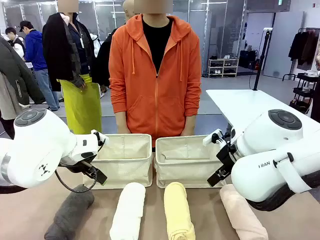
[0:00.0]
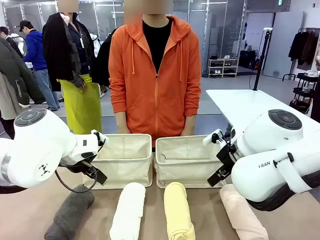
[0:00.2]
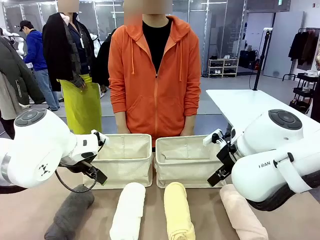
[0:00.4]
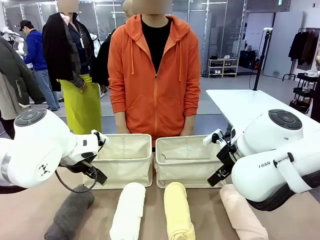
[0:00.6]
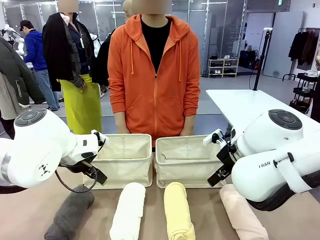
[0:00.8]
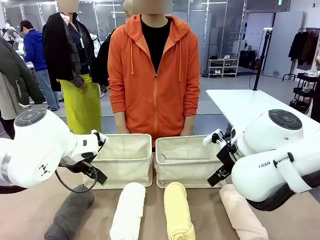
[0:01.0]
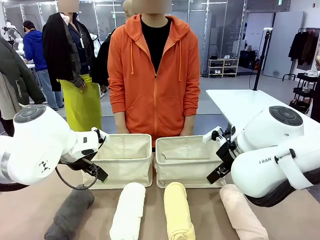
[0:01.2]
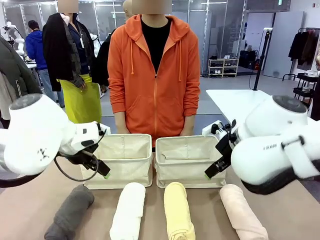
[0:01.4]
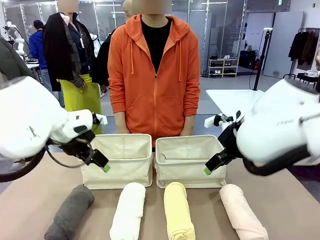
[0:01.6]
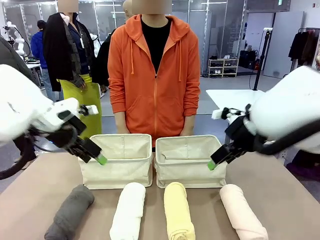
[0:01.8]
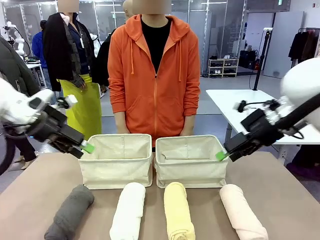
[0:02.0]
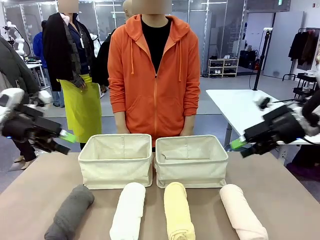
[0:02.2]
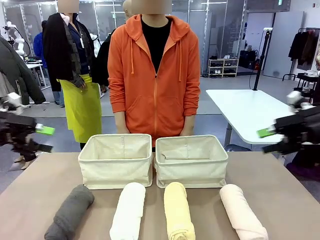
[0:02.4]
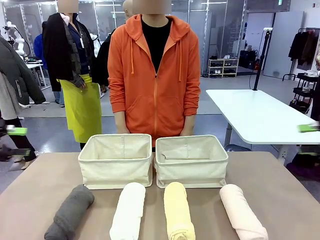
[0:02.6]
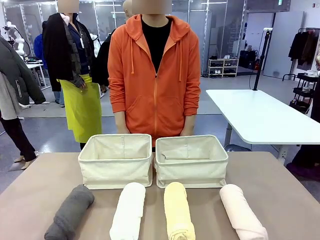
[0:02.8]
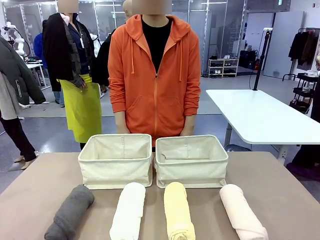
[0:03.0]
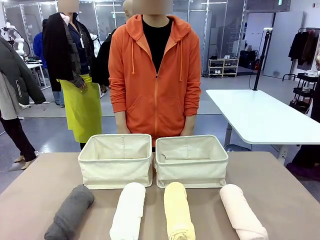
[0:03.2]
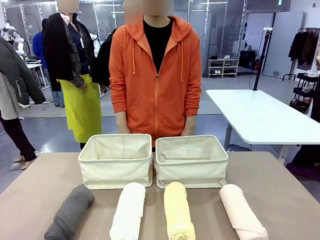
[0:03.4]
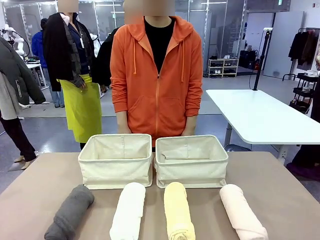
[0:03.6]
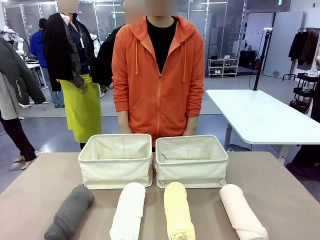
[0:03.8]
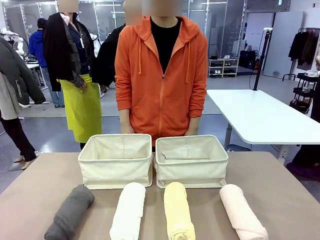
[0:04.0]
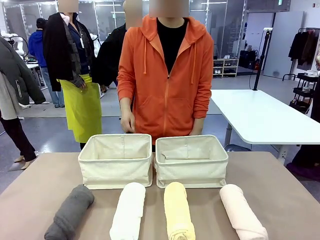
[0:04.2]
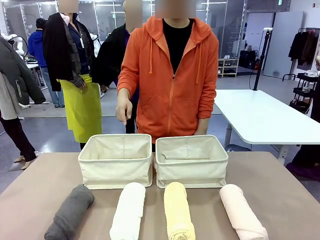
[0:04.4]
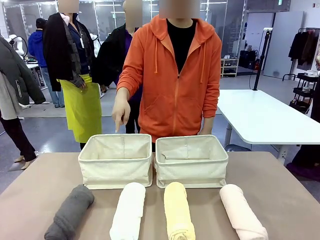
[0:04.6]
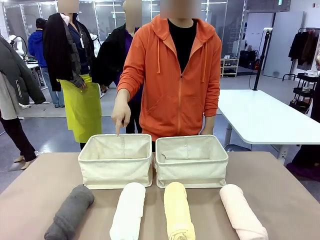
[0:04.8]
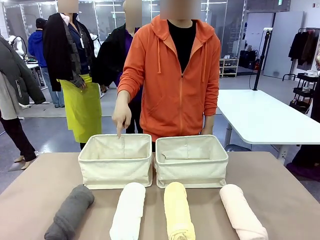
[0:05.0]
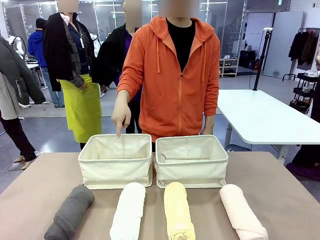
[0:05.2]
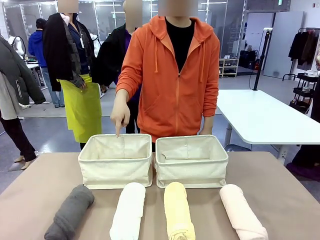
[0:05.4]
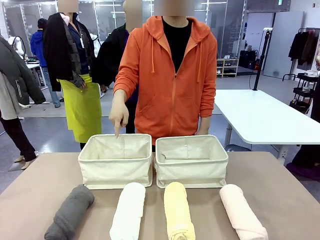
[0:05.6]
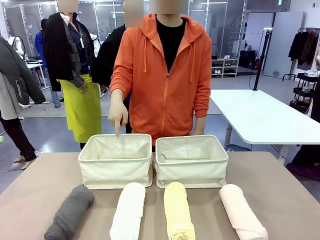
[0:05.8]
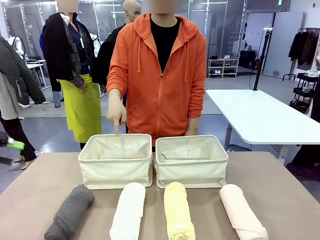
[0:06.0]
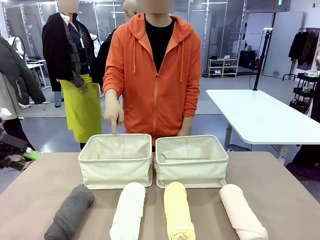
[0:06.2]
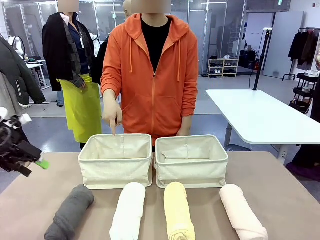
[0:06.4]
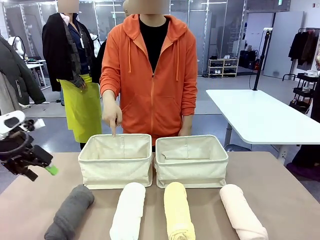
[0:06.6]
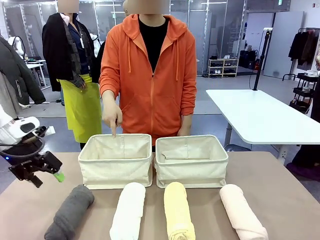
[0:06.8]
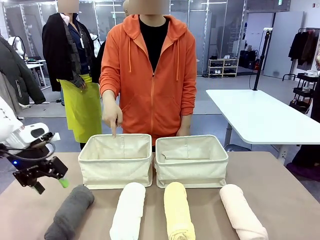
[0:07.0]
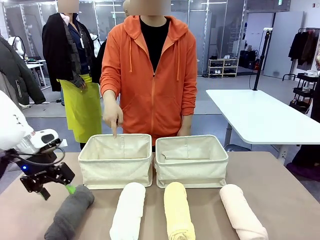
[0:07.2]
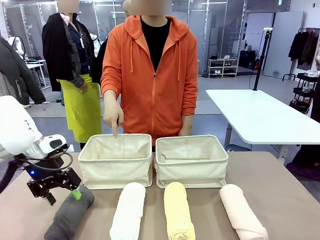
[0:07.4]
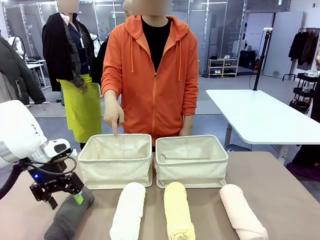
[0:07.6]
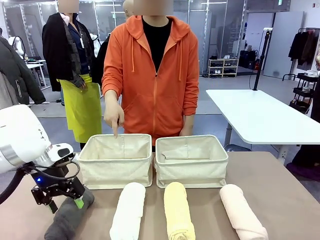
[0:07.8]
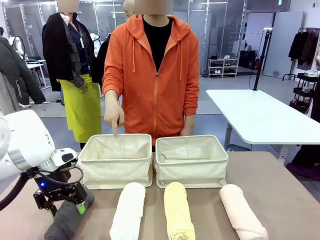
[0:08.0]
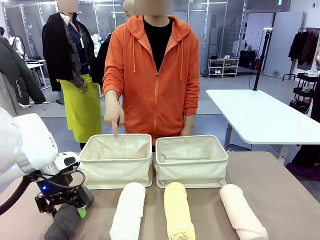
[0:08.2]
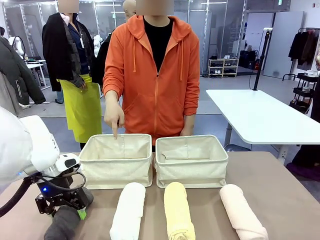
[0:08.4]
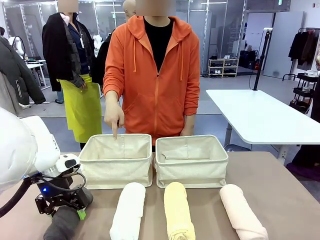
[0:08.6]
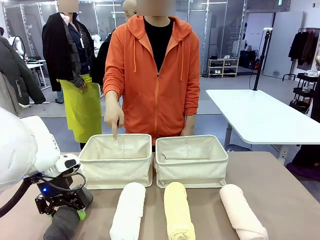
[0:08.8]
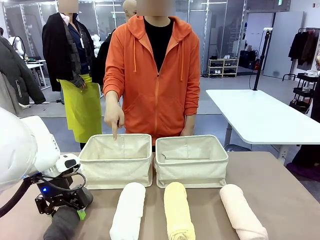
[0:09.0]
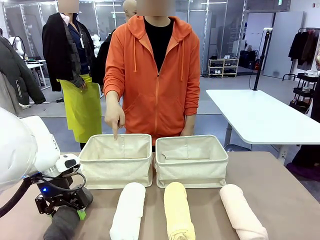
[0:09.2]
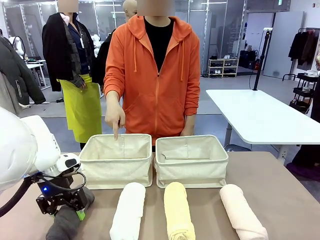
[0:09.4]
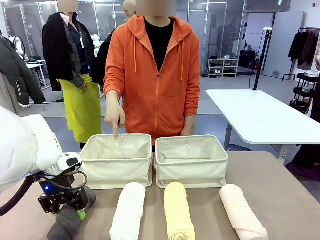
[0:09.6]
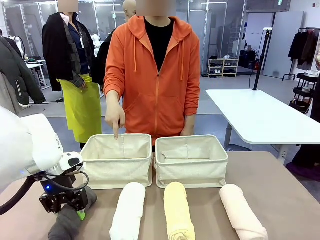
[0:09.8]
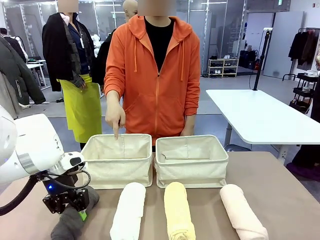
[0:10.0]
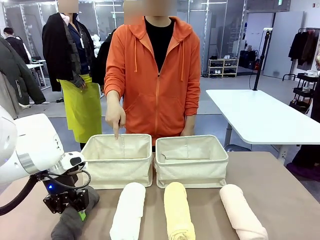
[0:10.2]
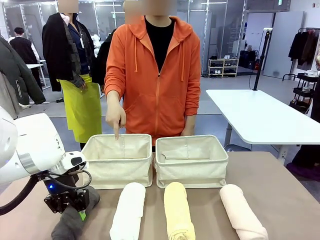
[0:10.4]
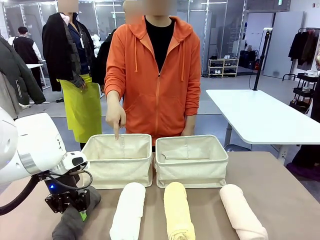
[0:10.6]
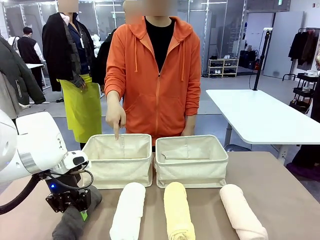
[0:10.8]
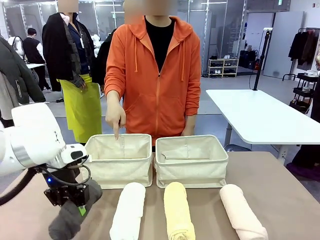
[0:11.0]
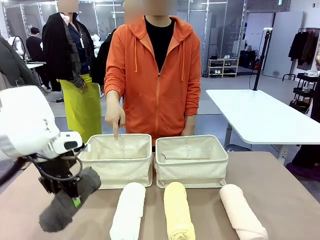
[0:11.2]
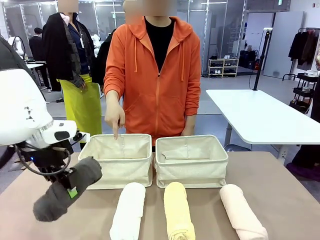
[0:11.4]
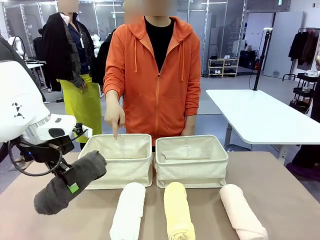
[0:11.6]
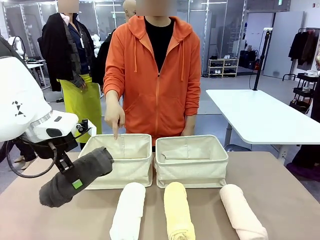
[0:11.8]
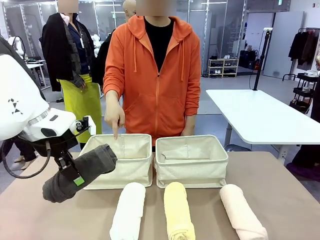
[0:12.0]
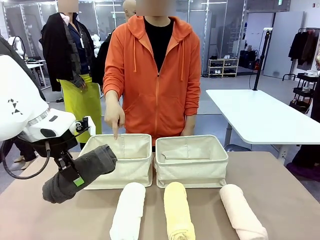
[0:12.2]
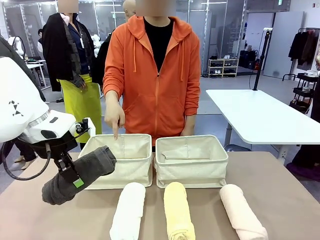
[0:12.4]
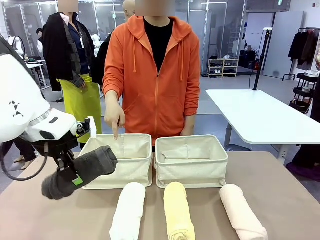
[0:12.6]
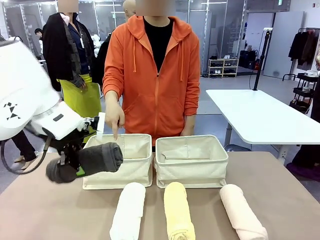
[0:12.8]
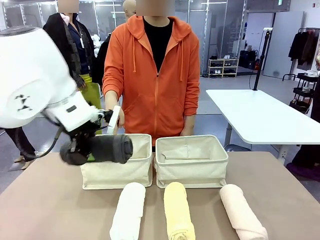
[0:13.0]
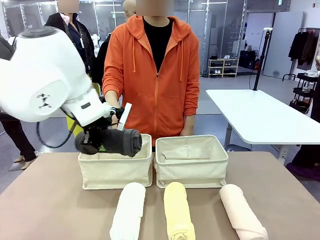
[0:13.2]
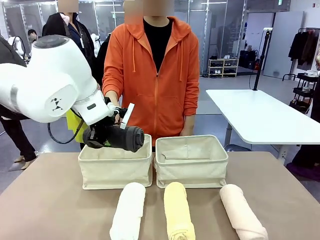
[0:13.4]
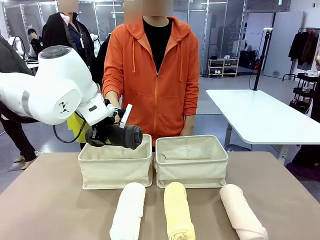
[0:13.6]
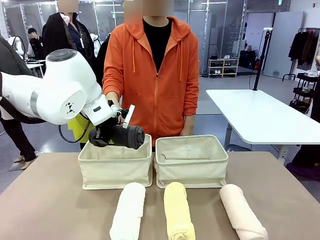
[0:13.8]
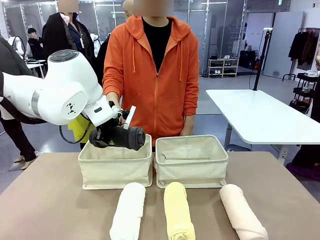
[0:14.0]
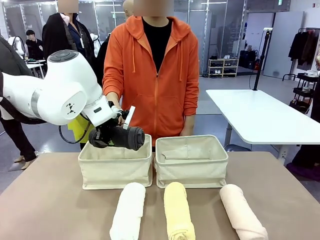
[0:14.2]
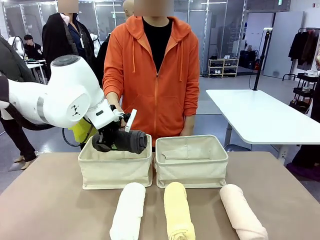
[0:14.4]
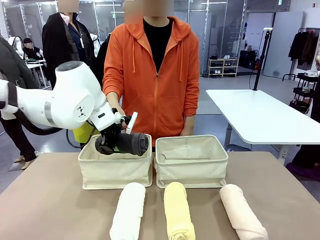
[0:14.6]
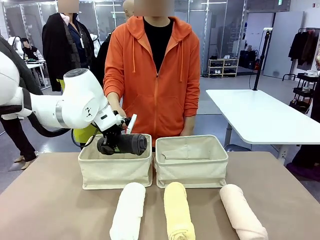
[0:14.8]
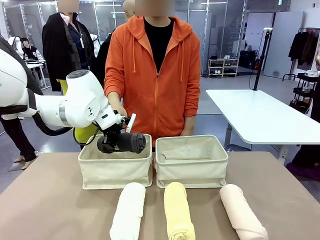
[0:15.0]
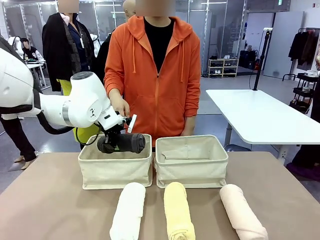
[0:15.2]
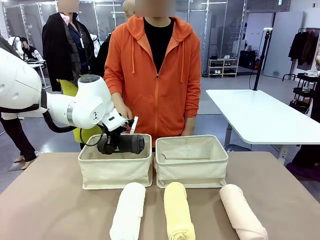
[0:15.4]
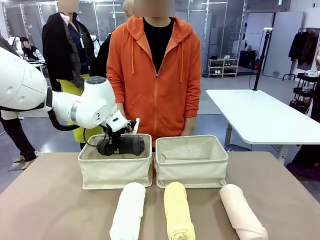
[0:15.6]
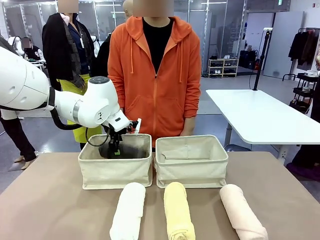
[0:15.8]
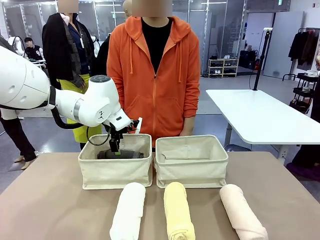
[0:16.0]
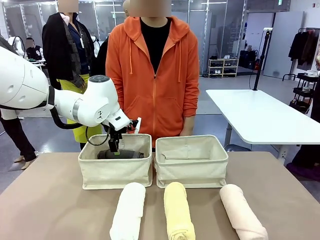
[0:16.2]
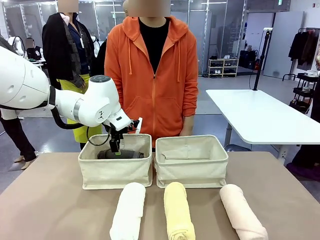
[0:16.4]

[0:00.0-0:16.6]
Task: Divide the towels into two baskets.
Robot: Pick up one hotel-folded towel and place it in the Fabric basket indicated by the person.
